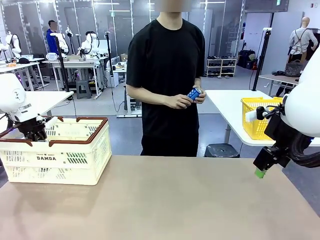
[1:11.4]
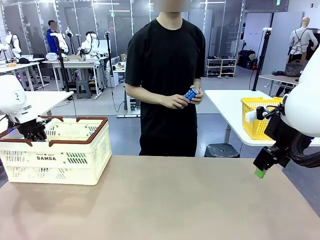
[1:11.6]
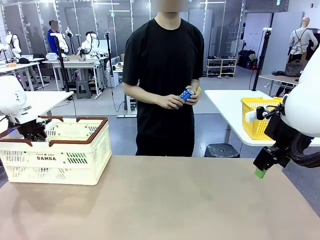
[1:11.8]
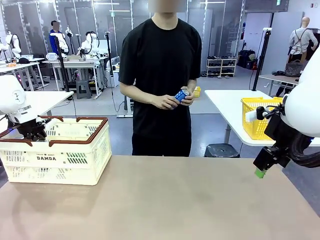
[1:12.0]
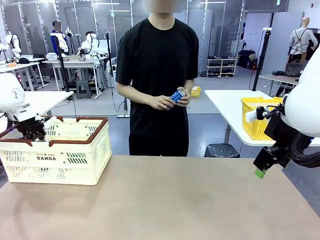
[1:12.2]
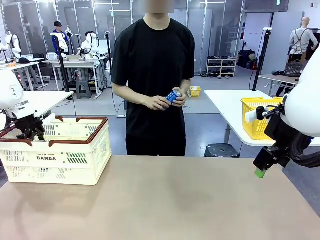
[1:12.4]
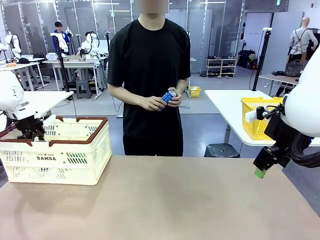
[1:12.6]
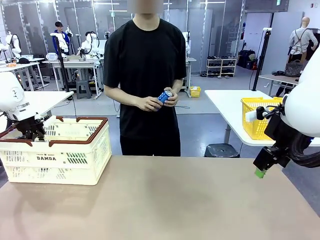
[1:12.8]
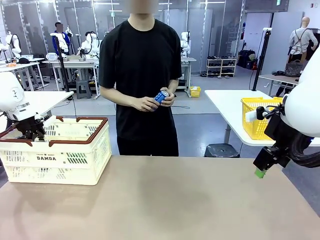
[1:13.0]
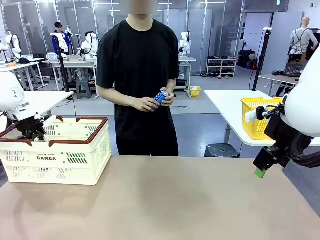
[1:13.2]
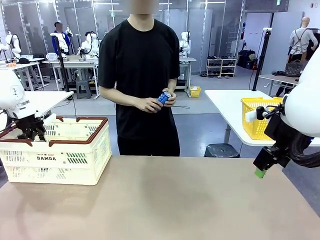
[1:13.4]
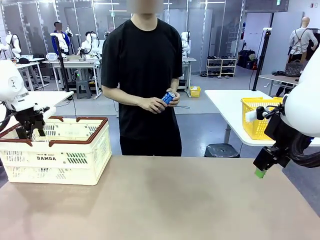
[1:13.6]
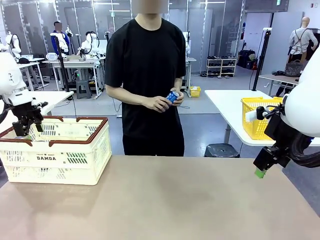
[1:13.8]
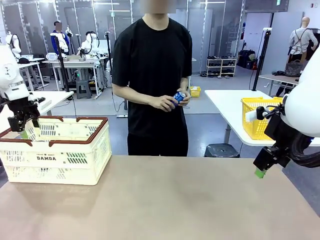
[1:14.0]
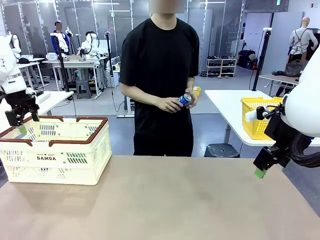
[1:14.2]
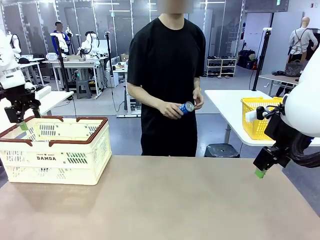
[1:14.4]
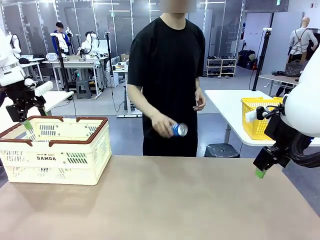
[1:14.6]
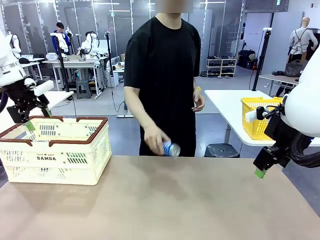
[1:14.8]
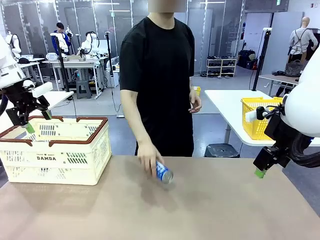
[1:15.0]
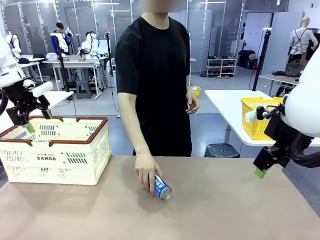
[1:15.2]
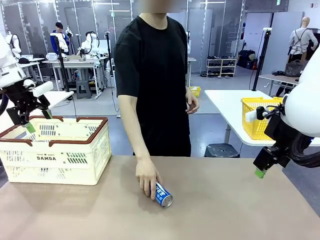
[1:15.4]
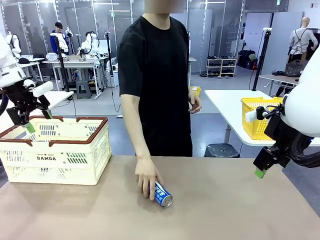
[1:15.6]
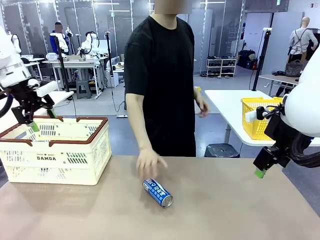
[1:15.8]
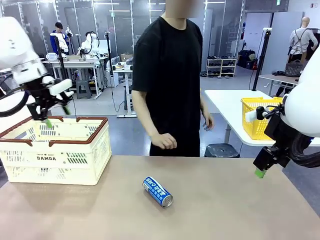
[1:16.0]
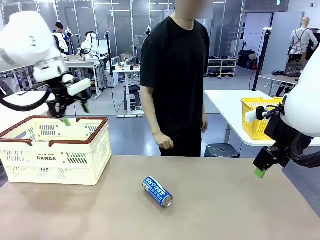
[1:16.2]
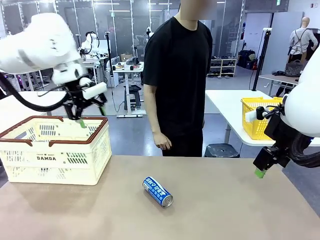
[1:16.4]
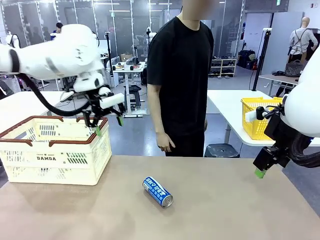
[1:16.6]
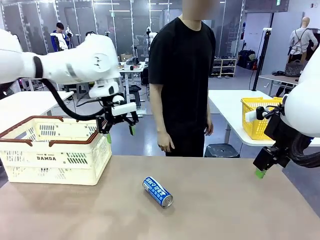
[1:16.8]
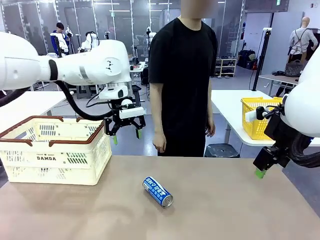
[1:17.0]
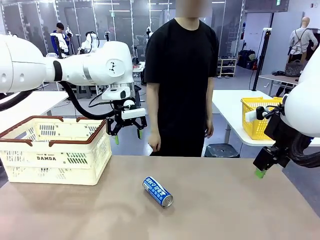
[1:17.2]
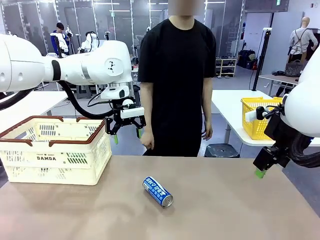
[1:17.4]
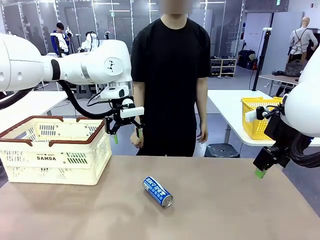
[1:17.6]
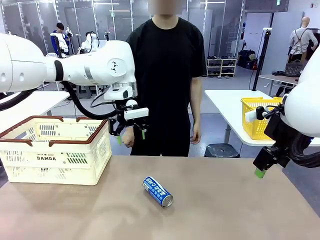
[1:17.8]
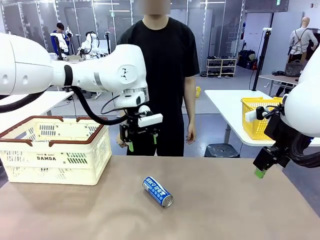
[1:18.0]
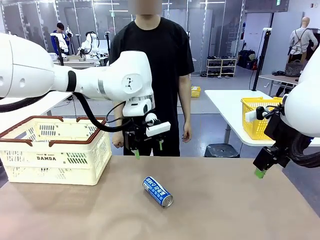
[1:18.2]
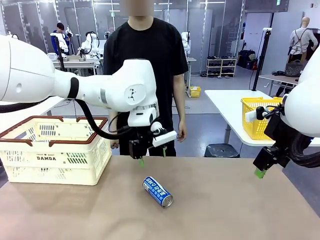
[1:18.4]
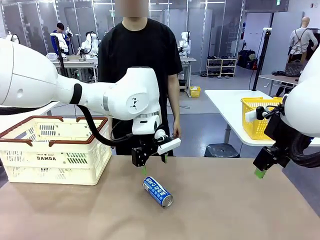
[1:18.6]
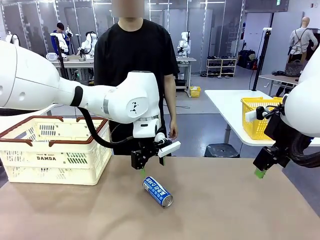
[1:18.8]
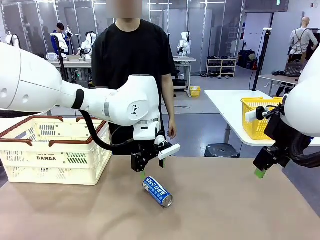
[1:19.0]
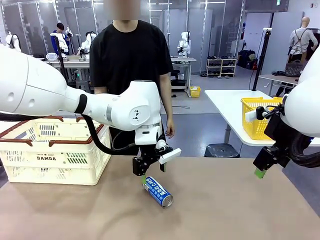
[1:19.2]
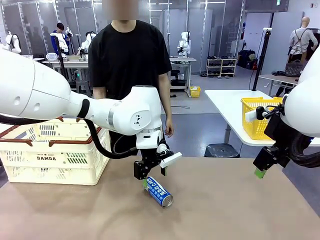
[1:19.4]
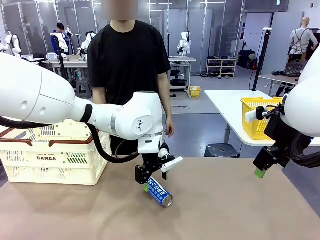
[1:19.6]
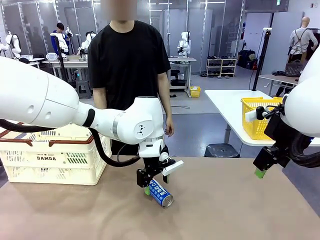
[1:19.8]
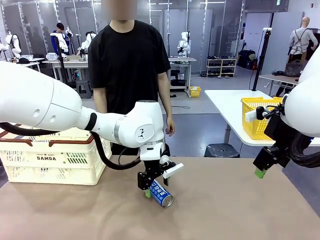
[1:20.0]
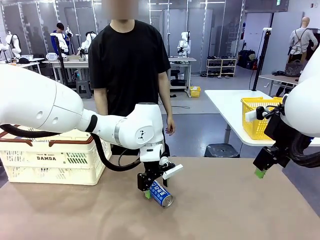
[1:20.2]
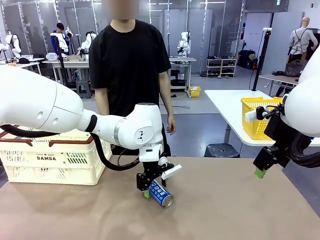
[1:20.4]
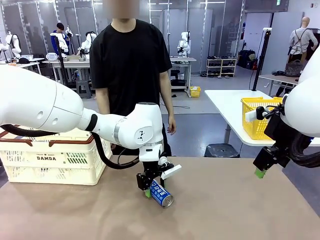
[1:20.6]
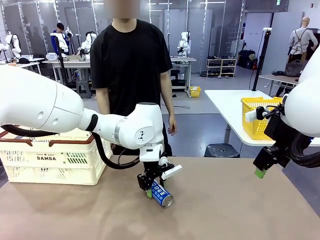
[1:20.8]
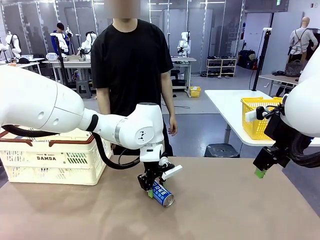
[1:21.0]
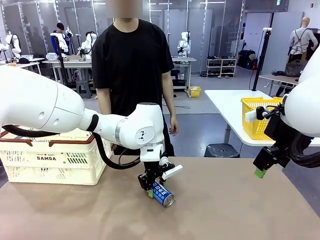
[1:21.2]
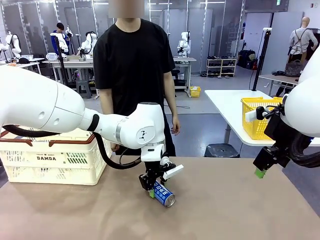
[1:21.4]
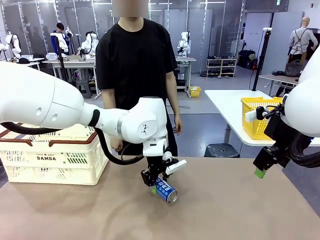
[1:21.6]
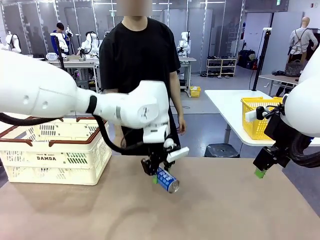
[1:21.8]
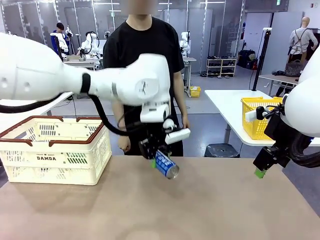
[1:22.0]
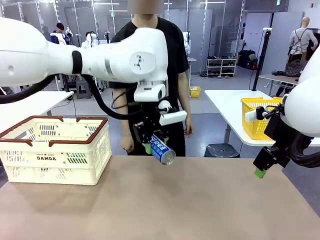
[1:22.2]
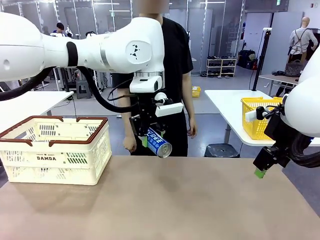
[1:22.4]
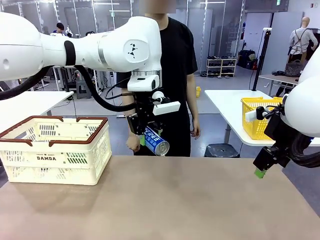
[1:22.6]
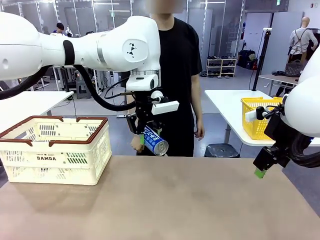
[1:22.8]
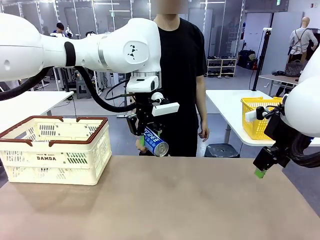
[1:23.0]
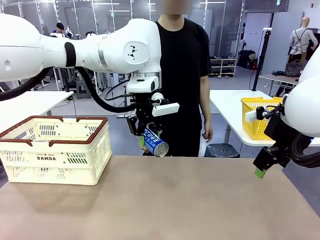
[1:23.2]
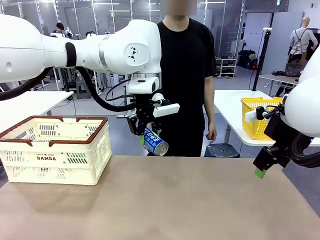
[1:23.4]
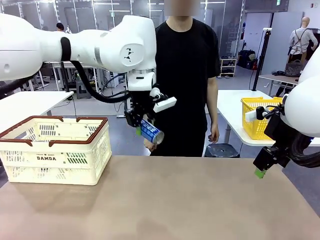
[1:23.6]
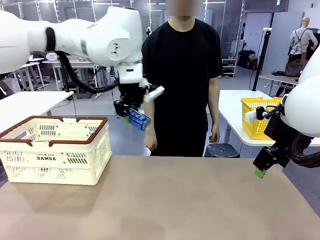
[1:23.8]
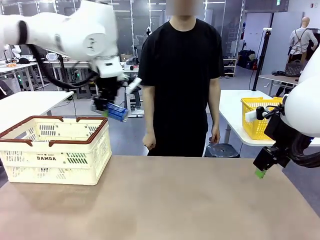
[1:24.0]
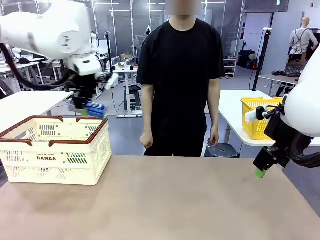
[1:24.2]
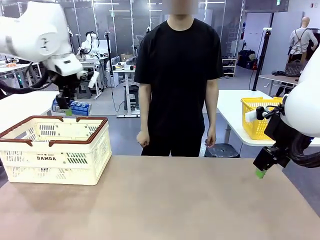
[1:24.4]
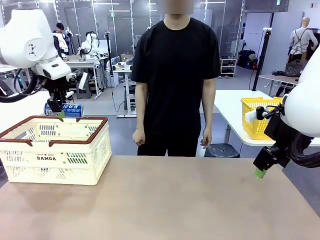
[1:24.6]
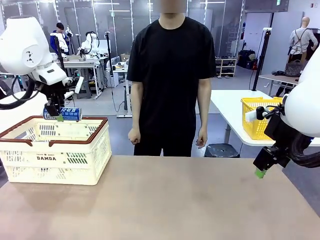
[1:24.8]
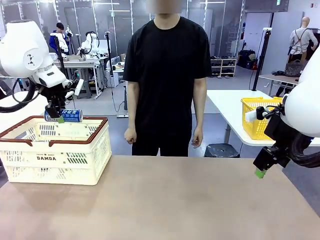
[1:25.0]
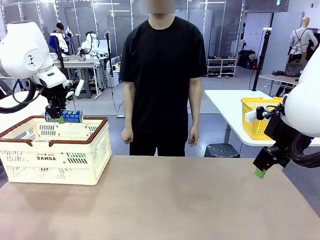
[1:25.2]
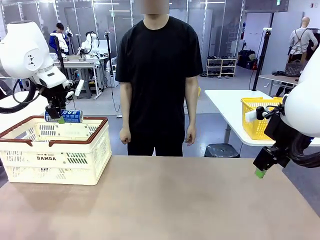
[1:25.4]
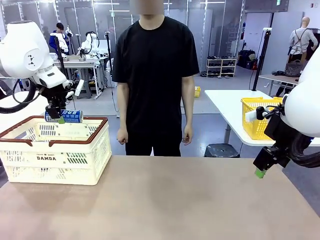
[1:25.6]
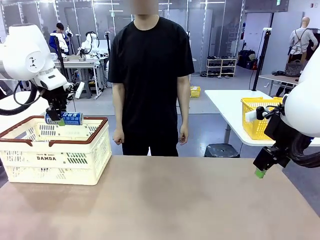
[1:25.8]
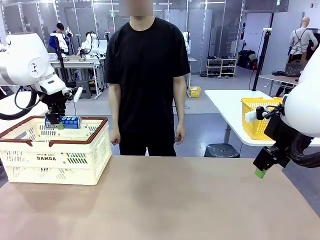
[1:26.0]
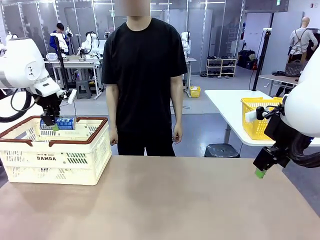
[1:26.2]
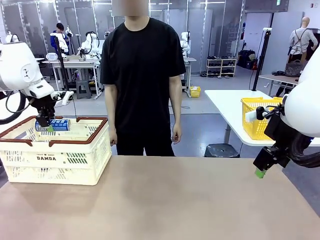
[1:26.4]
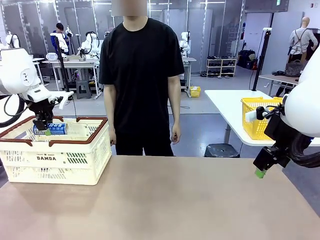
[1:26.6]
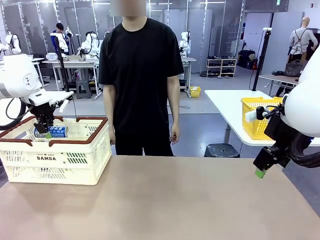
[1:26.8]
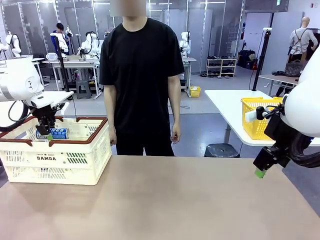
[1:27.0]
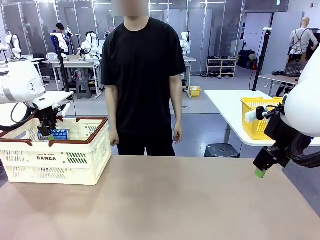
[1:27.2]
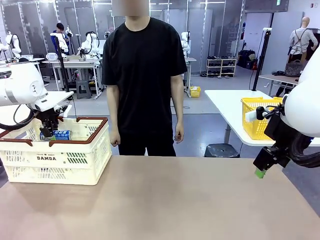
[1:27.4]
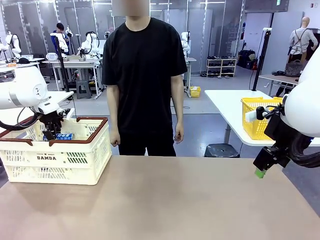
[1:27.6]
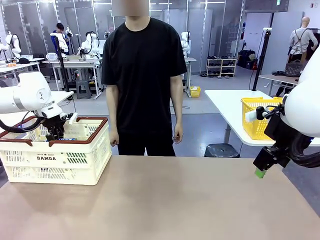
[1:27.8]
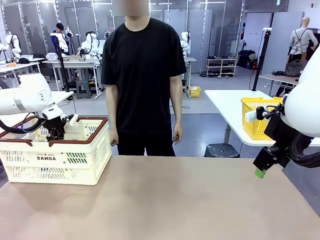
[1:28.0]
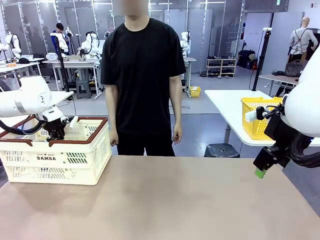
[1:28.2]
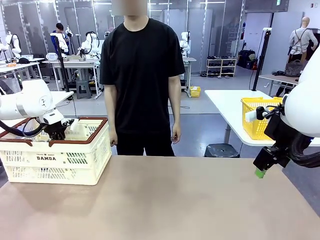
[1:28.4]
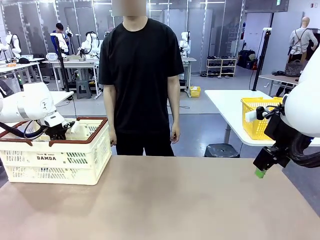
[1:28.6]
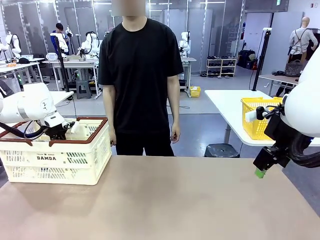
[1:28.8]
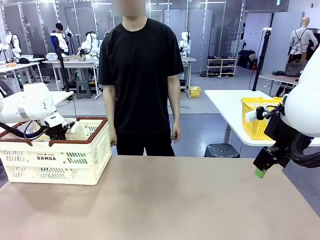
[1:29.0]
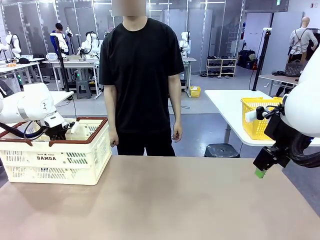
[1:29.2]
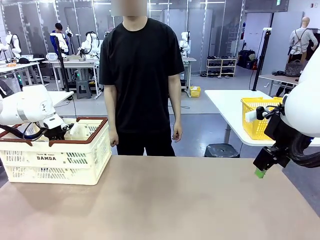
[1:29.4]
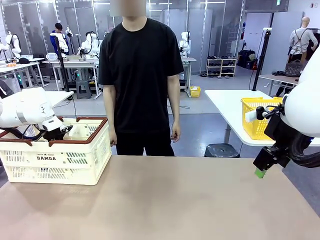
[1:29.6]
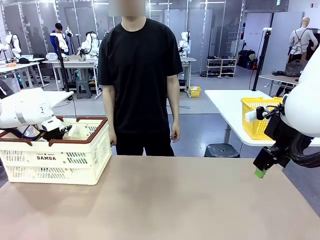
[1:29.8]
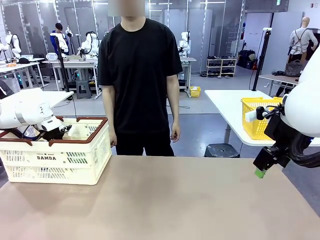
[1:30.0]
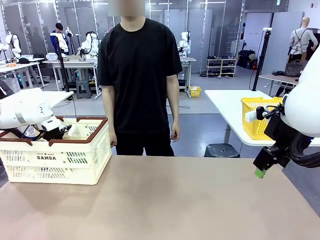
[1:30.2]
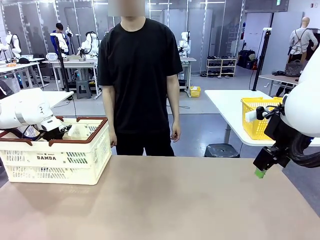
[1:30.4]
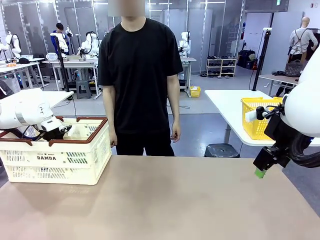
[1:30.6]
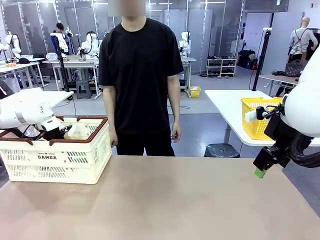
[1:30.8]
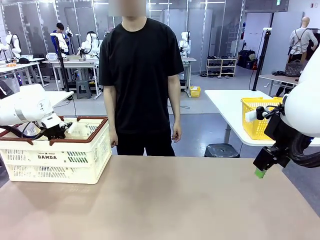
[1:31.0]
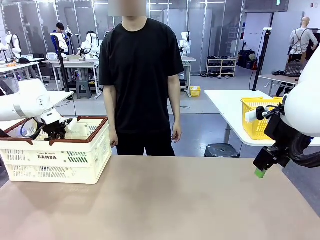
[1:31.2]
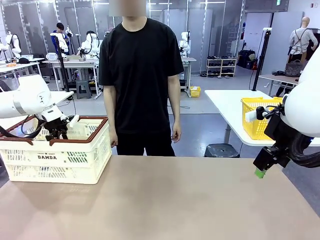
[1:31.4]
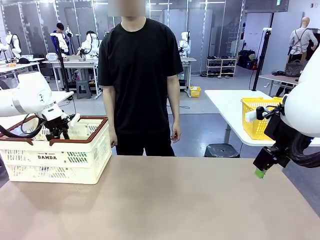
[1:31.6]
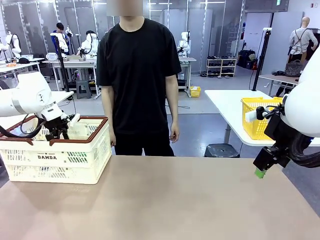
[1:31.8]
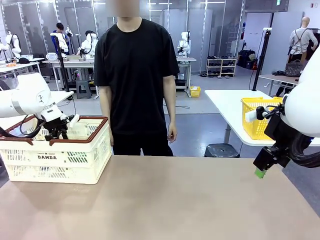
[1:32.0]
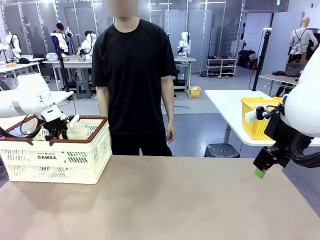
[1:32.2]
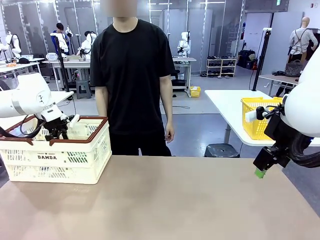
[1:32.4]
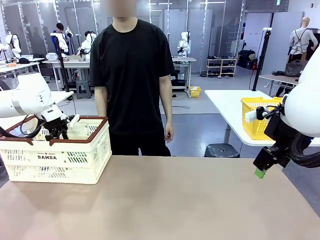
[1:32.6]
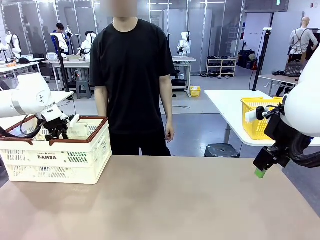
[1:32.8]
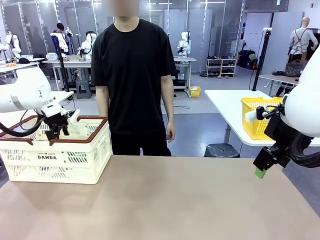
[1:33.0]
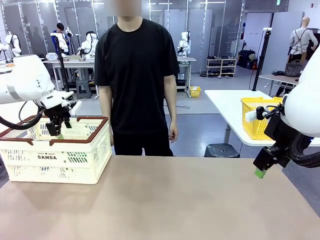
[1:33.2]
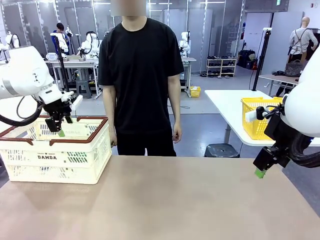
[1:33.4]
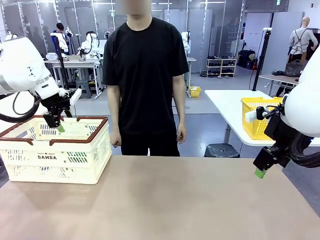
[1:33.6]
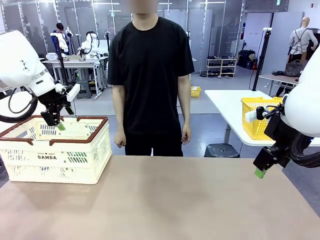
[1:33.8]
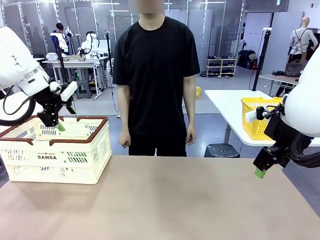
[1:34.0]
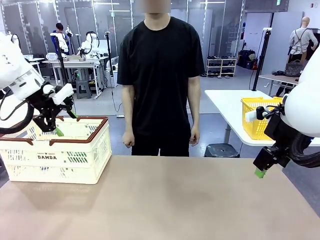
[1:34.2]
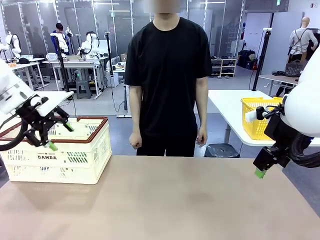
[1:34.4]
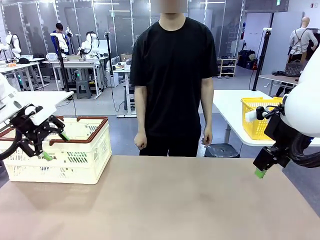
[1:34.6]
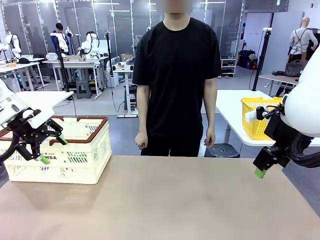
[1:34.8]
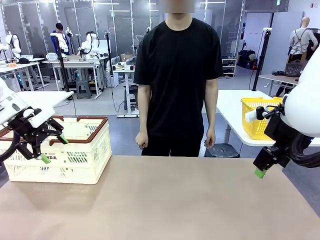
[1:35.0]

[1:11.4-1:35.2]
Task: Place the drinks into the Shopping basket.
Robot: Pick up one drink and place it into the Shopping basket.
